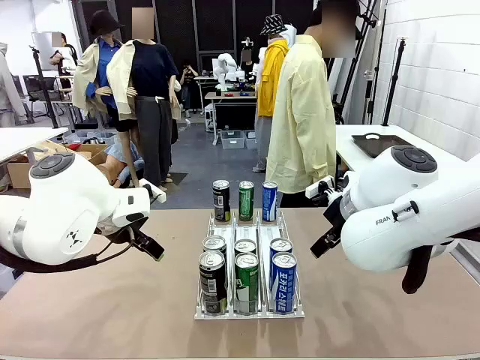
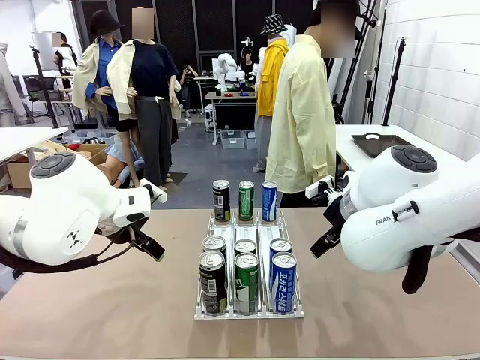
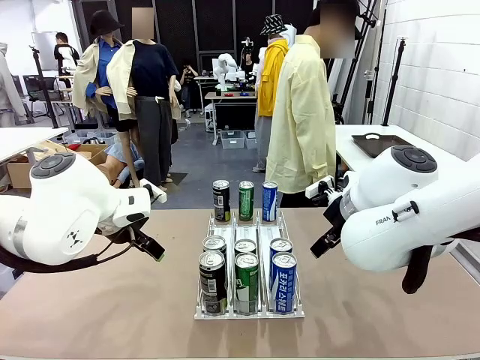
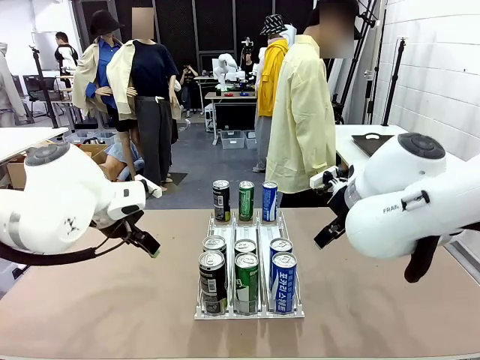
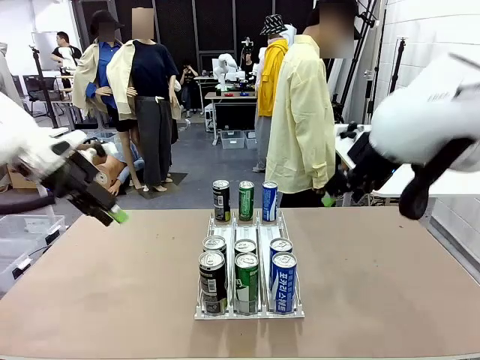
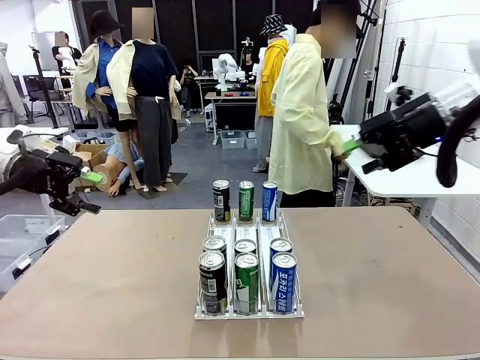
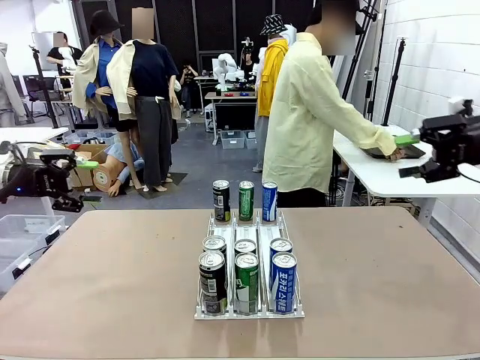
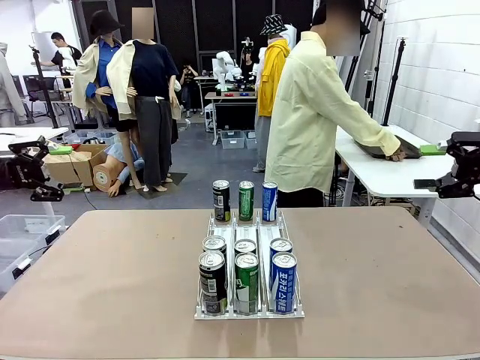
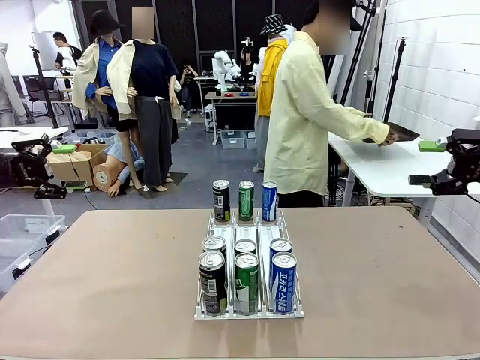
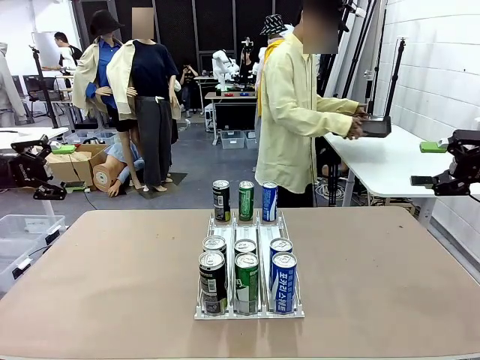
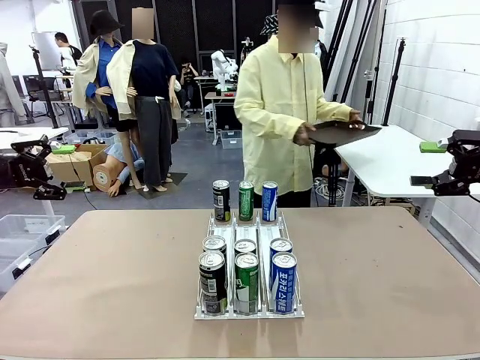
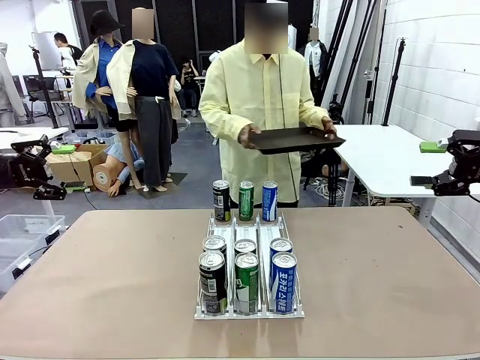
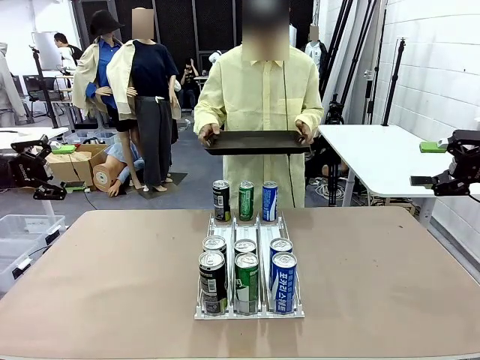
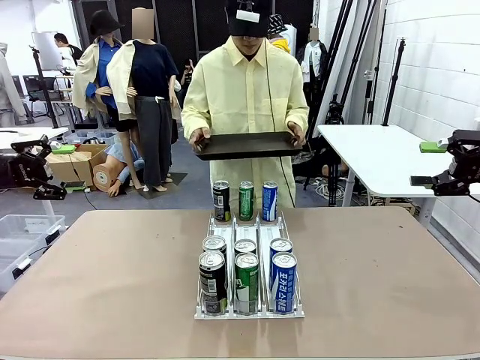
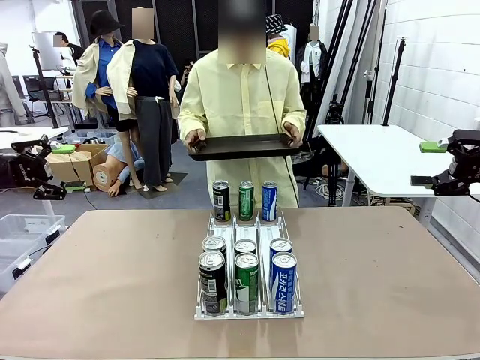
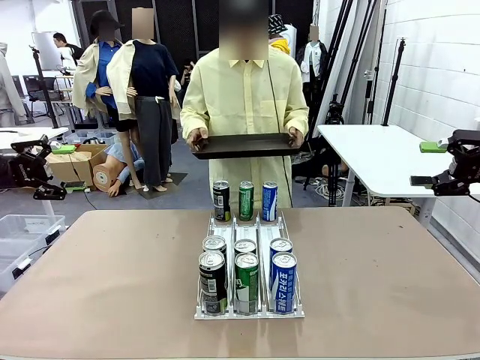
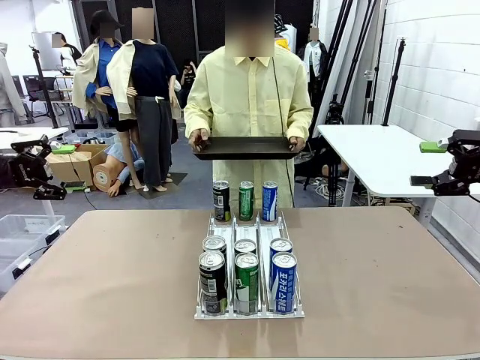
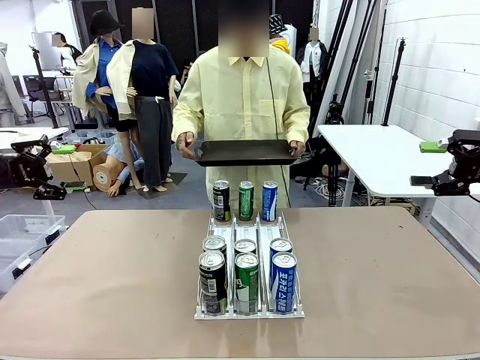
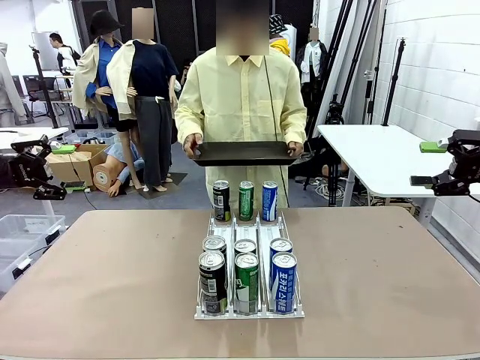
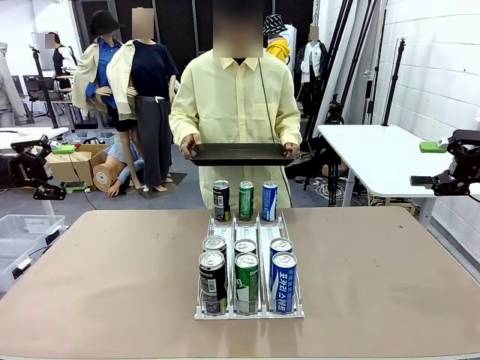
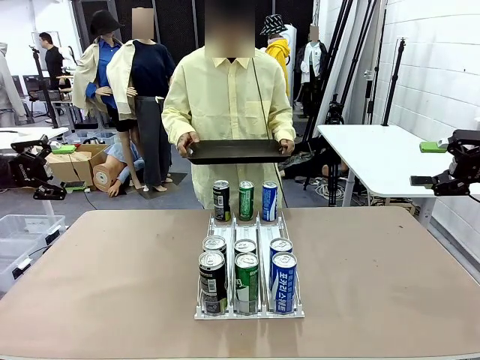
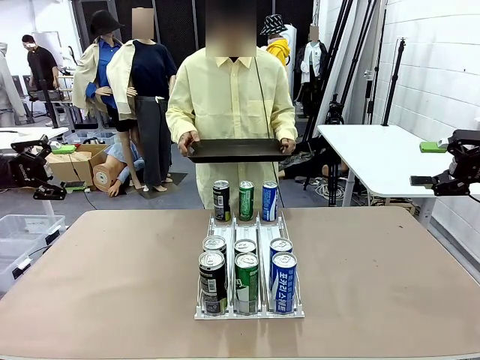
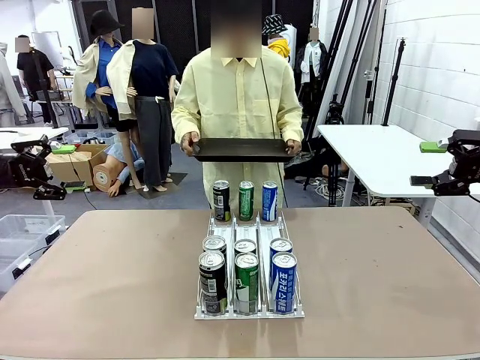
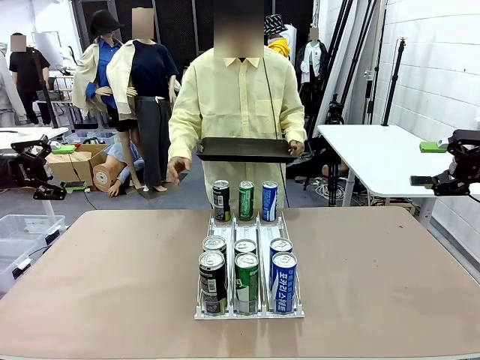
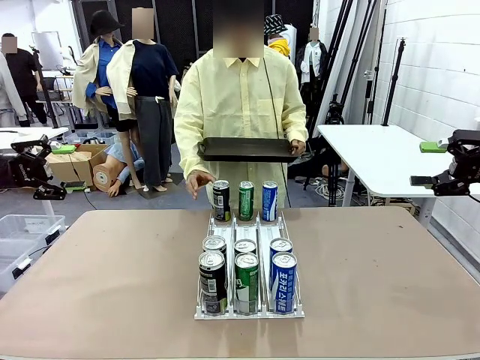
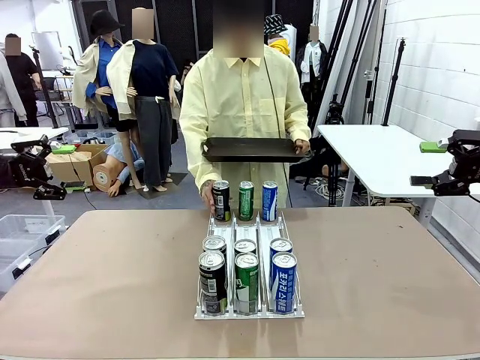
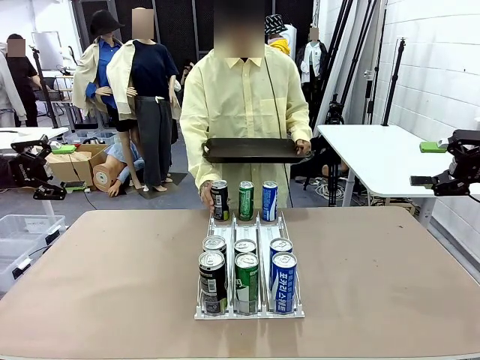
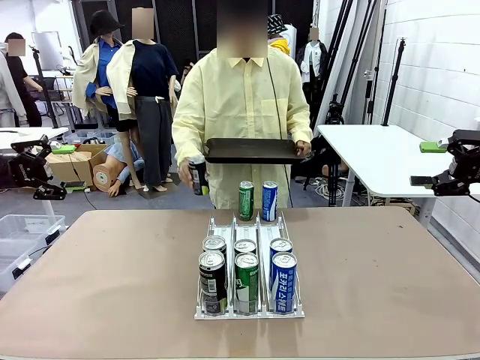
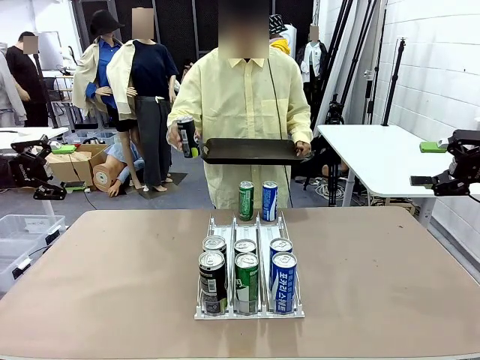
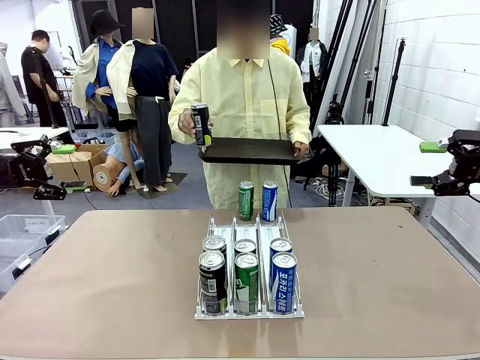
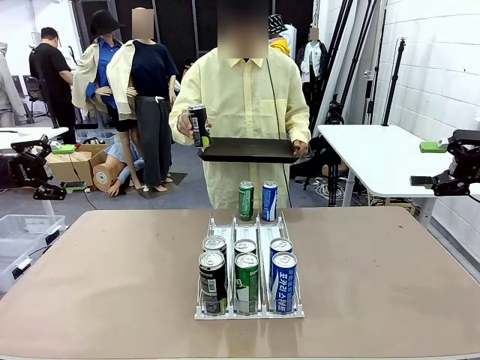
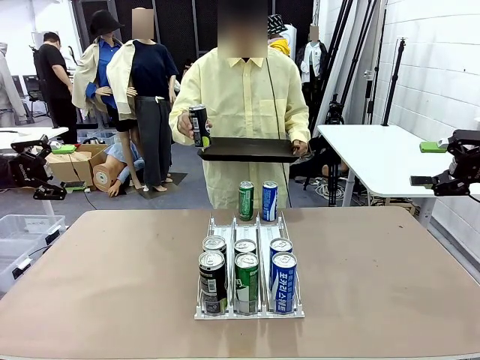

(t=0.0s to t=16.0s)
Task: Retrieve and hand over the desired beverage to the person.
Robot: Pick up a can of the same type that the person held from the Automatic Can Dispenser.
Person: Hold the tray and position yourself in front of the robot table. Pick up one can from the bottom area of the table and puts it back in its original place.

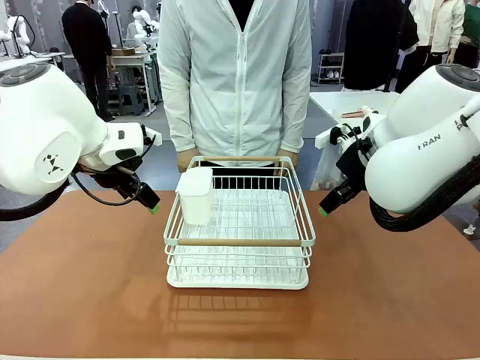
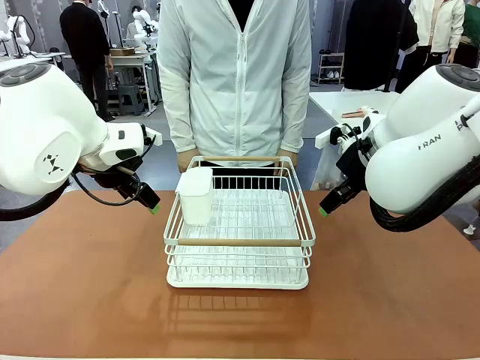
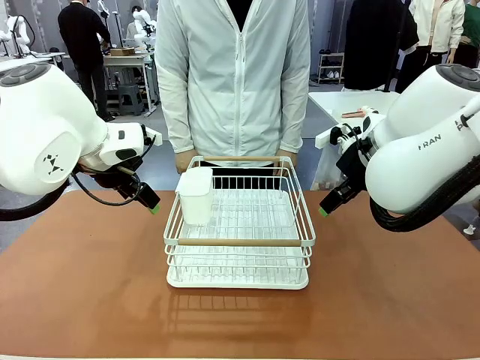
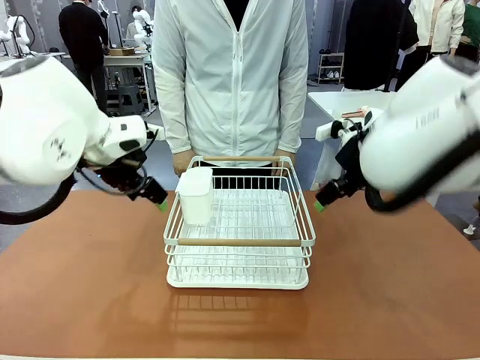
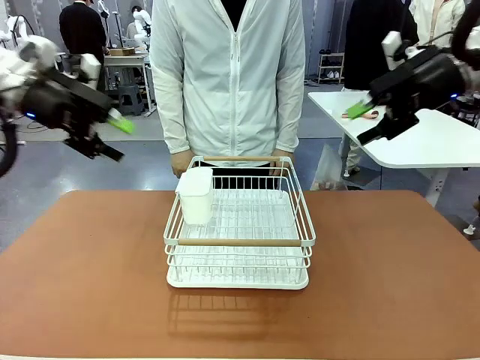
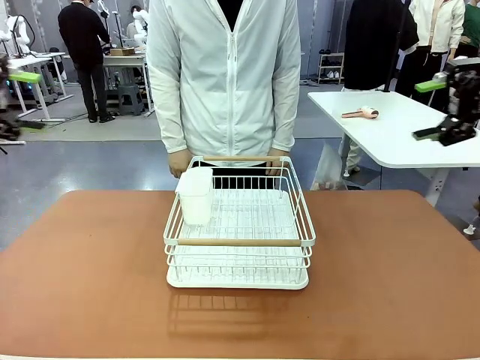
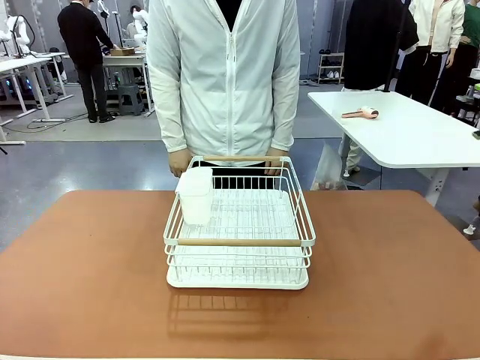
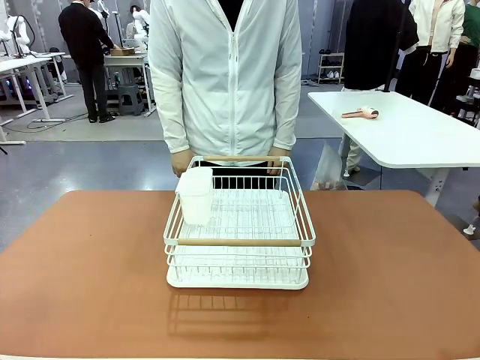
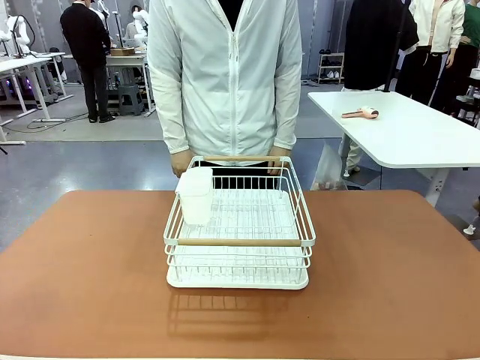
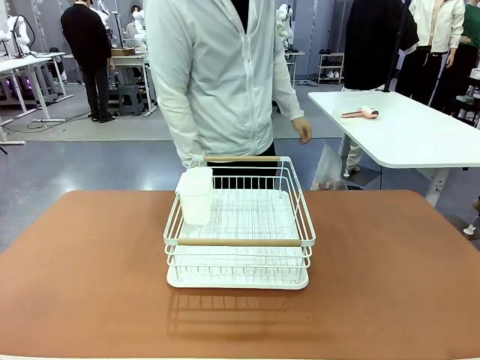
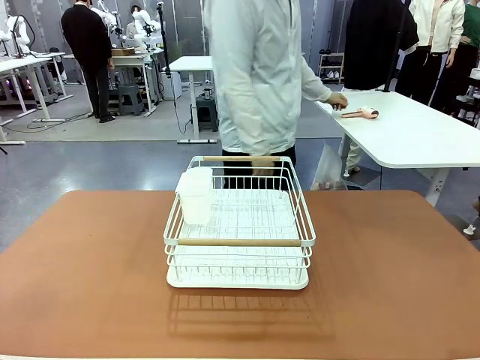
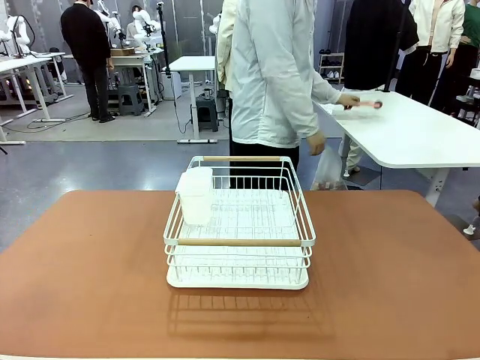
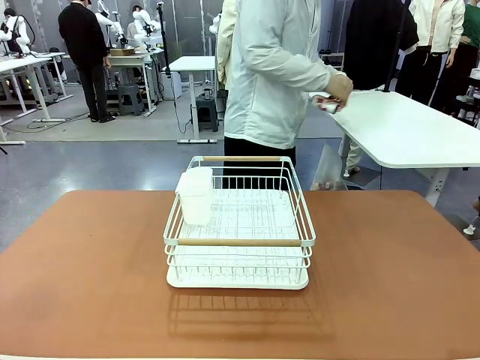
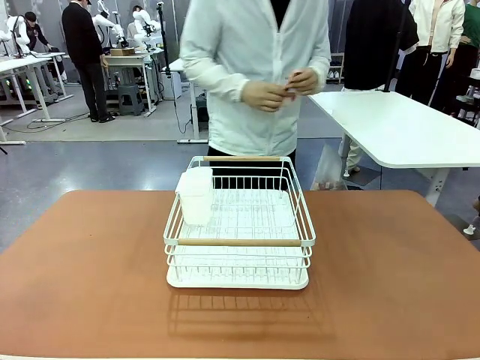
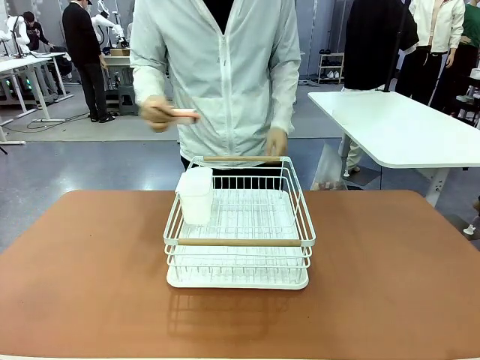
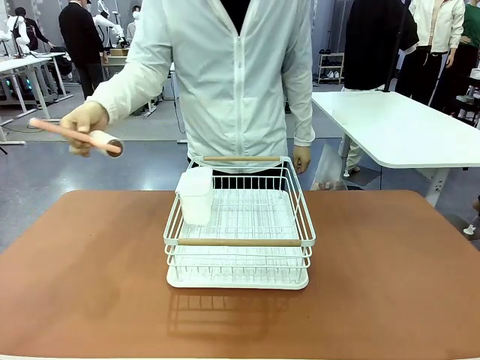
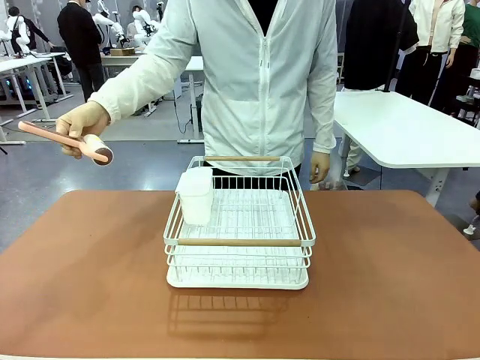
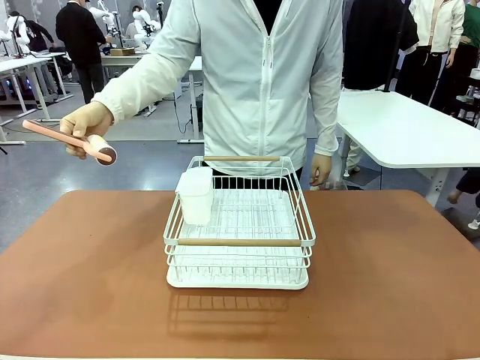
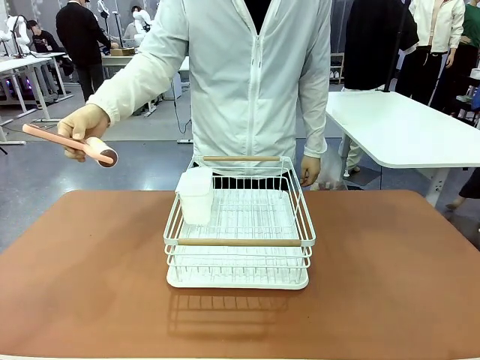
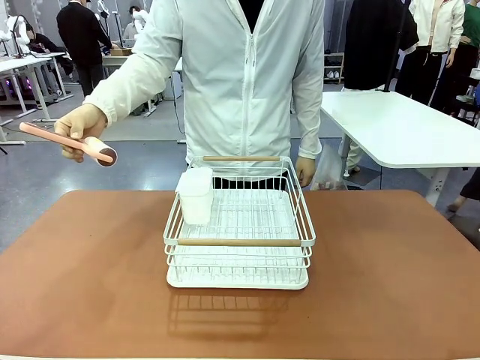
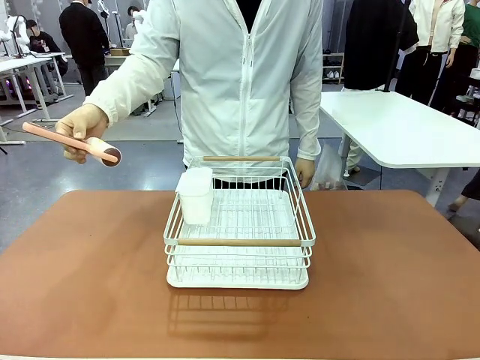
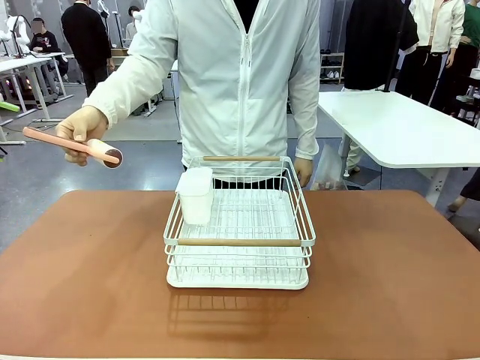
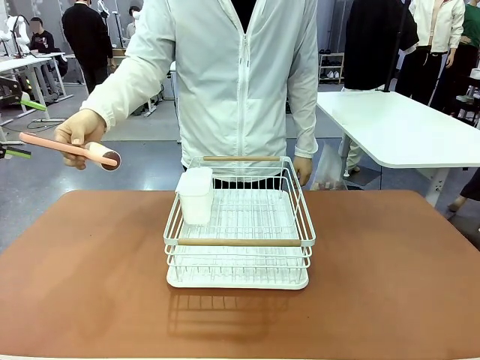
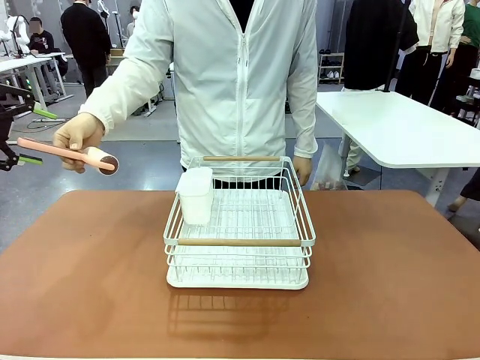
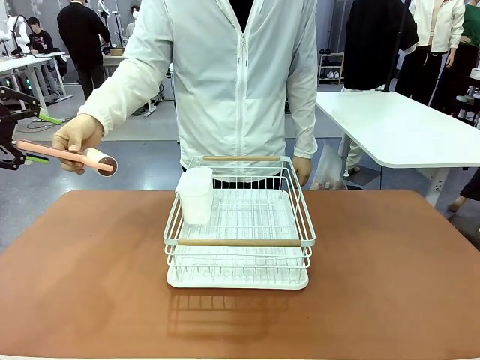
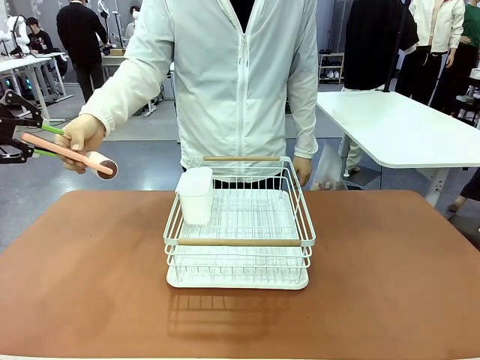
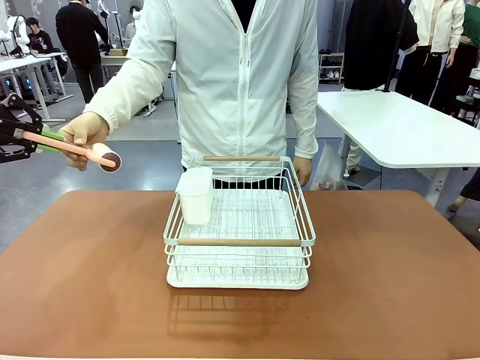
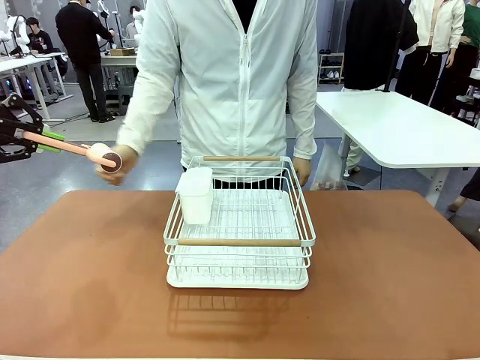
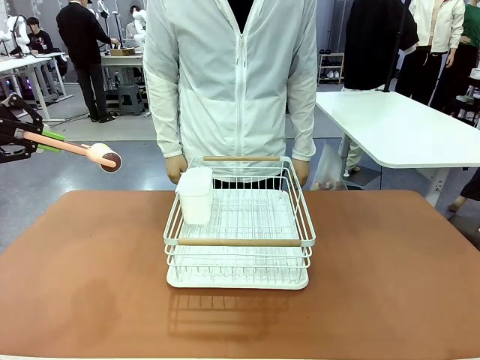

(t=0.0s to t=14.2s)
Task: Clean the table.
Robot: Pick up the Lint Roller when the human hands it over.
Person: Hand the Lint Roller to the robot so it can easily pick it up. Lift the Dish drying rack.
